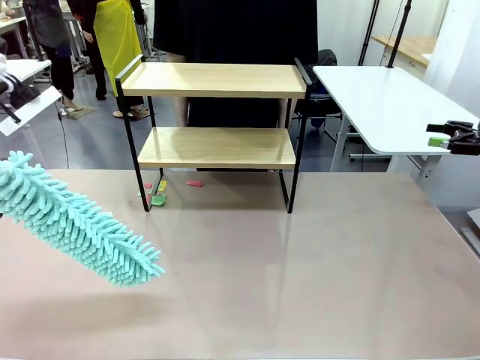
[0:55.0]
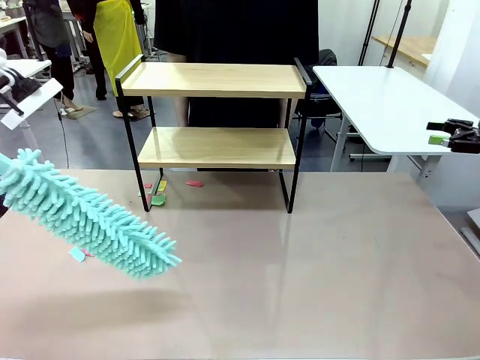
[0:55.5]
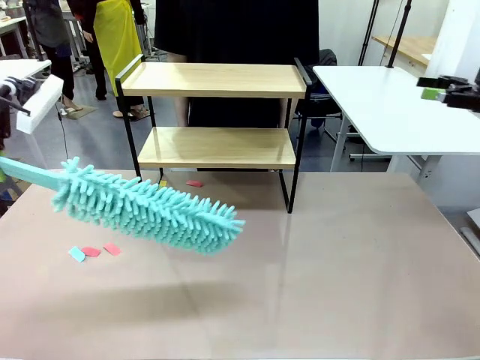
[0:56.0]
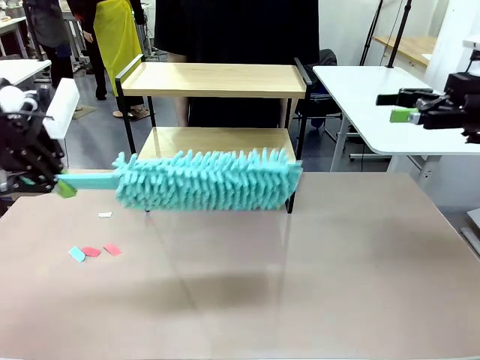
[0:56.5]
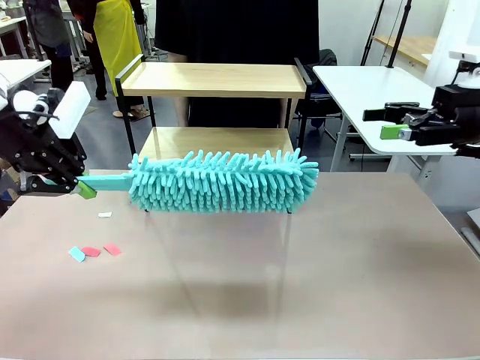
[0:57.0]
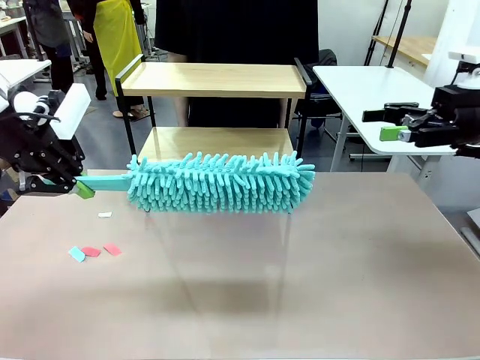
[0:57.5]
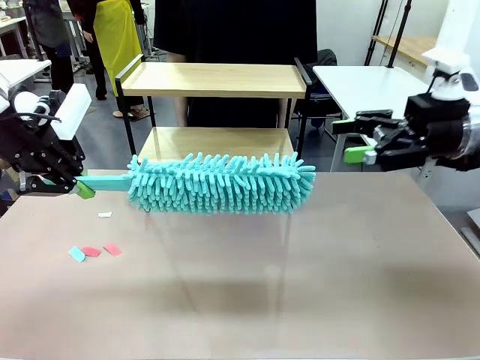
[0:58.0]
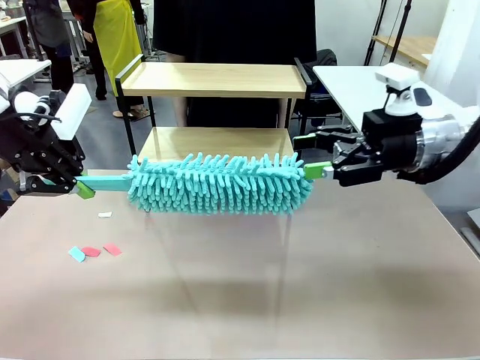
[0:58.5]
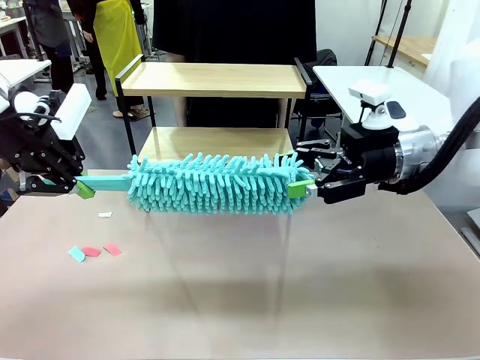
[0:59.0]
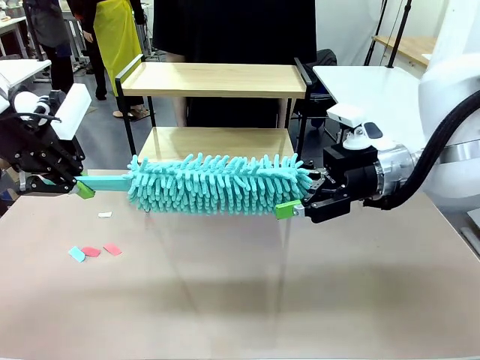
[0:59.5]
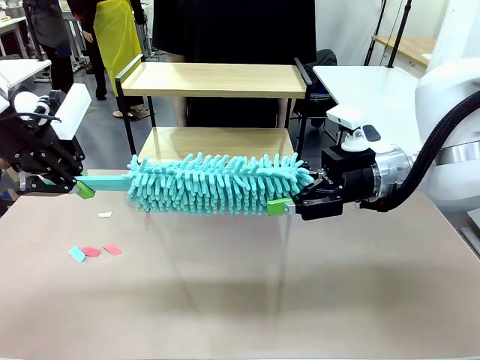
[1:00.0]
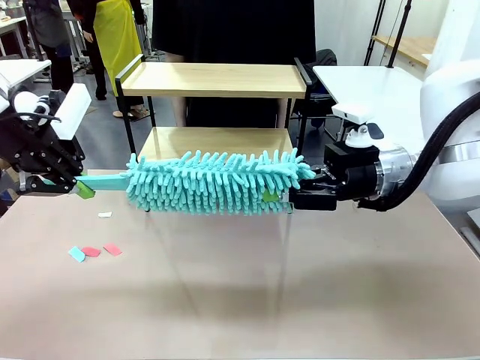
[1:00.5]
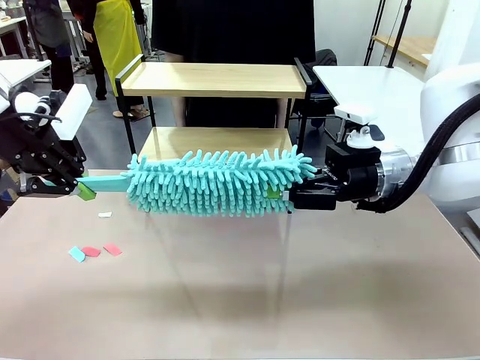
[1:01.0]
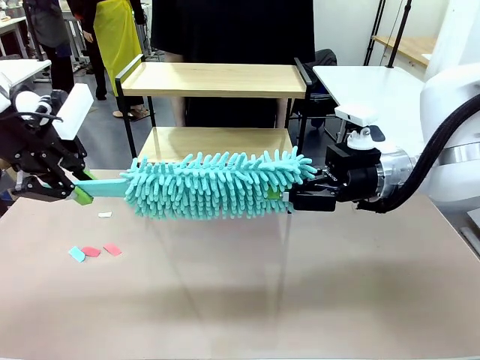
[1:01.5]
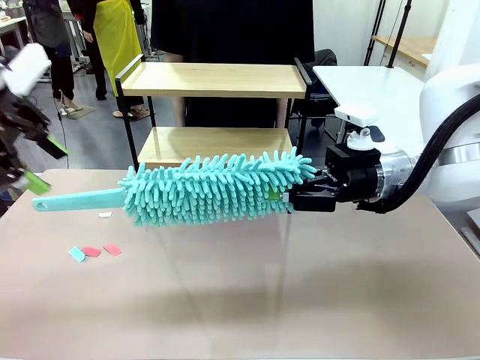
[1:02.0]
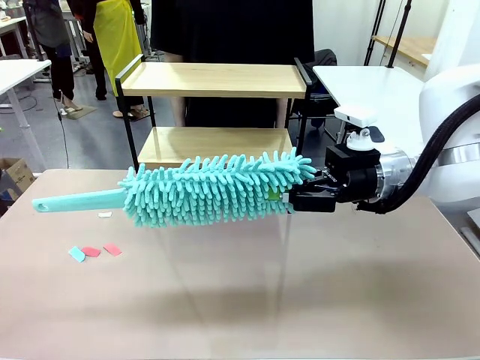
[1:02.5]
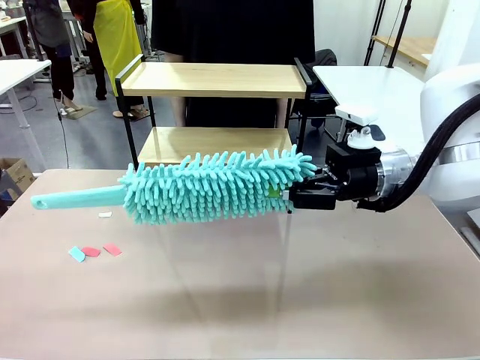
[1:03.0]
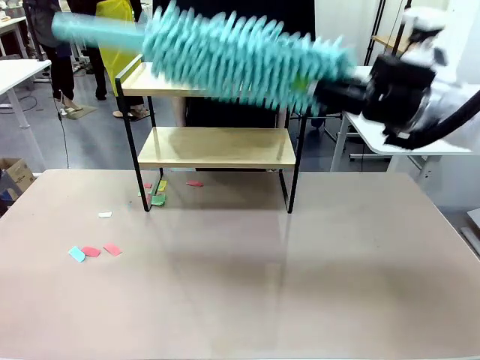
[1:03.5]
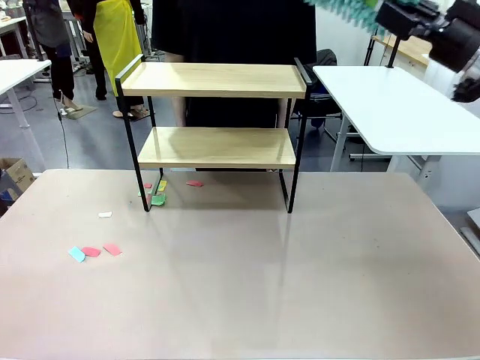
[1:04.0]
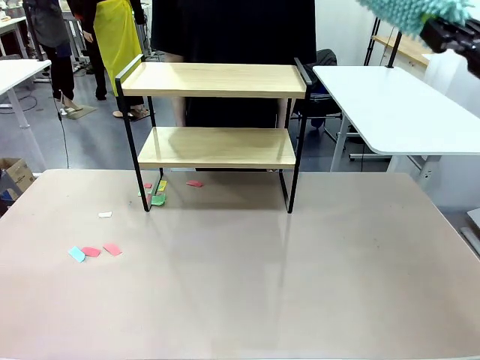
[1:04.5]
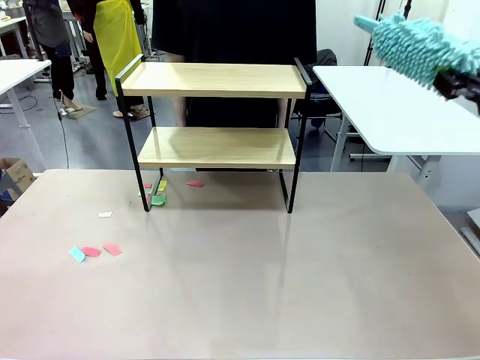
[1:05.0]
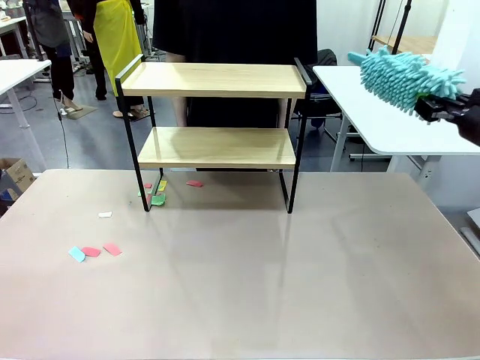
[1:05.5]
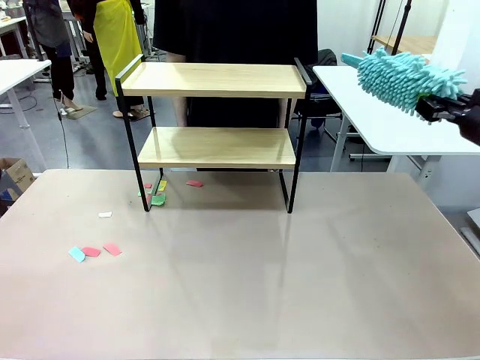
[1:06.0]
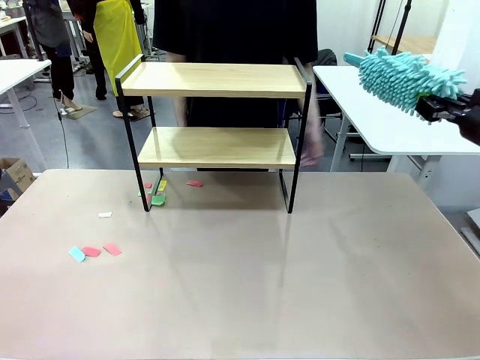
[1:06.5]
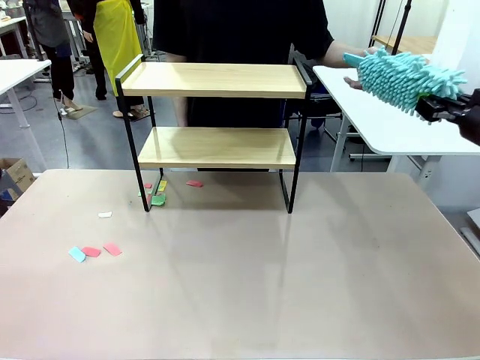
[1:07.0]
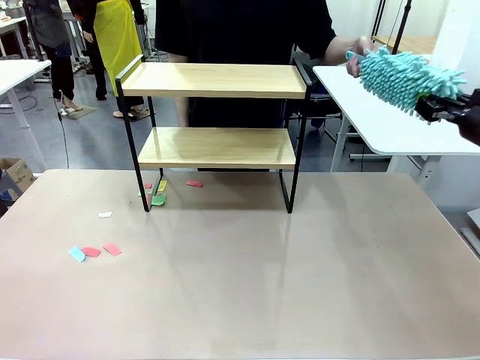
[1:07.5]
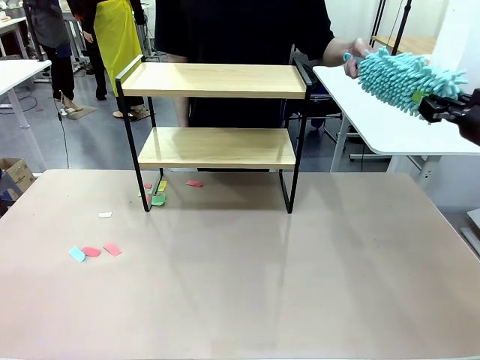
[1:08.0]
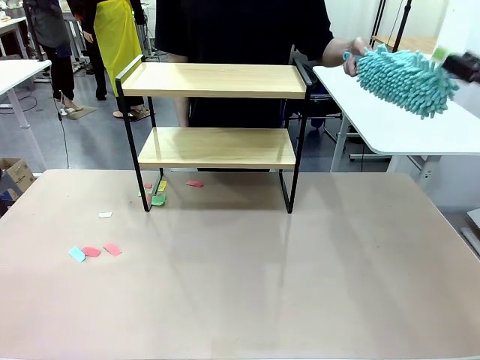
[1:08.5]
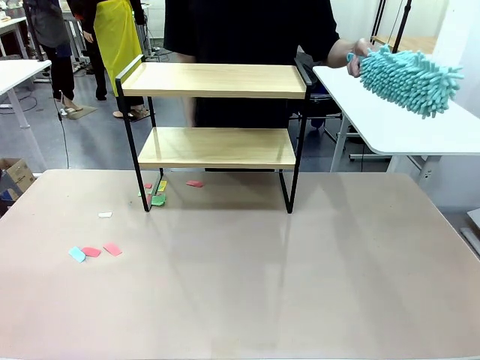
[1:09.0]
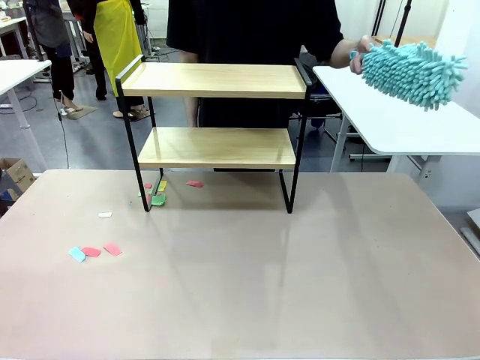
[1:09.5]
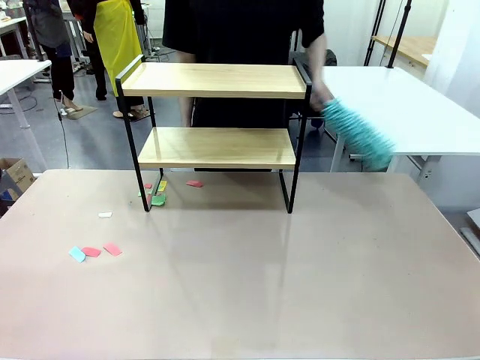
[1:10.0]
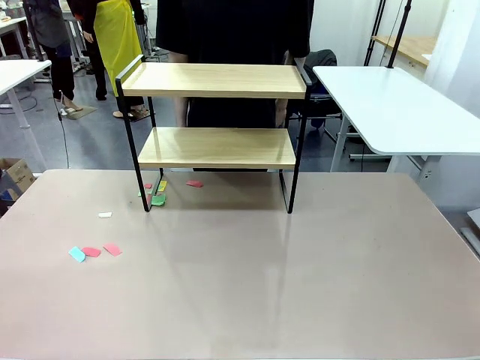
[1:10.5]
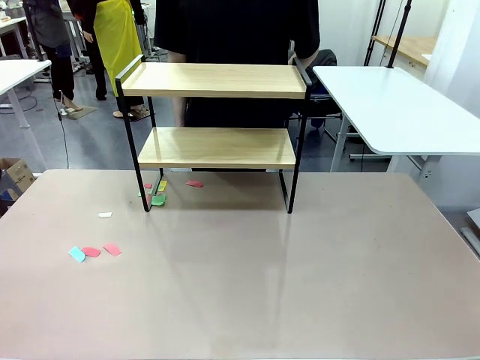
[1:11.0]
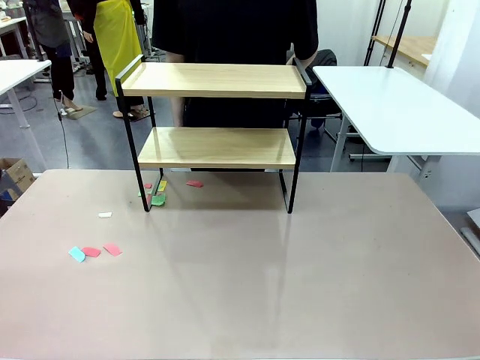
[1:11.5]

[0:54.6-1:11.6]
Task: Clean the shelf.
Robot: Hand the Duster back to the human.
Person: Receive the Duster from the robot.
